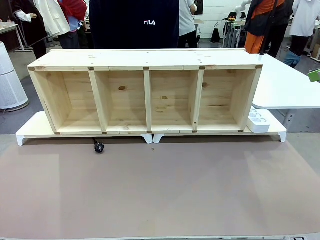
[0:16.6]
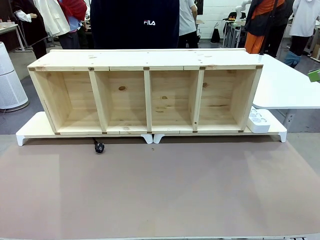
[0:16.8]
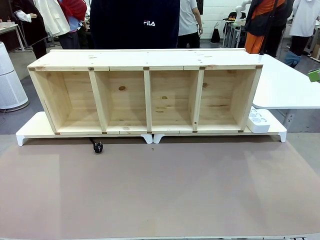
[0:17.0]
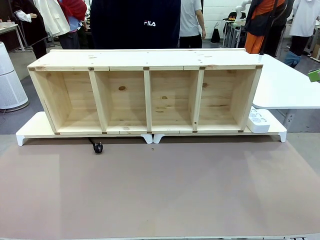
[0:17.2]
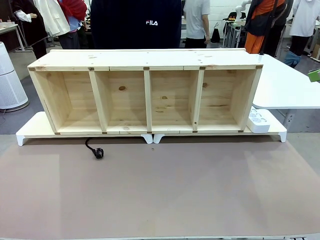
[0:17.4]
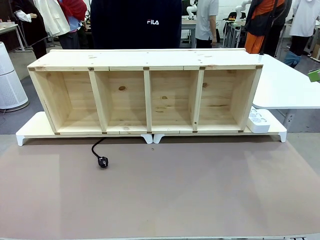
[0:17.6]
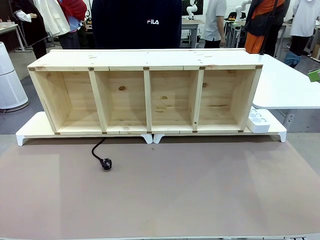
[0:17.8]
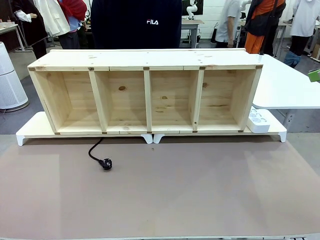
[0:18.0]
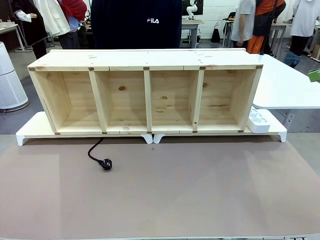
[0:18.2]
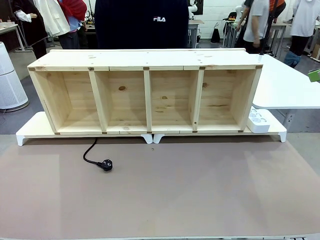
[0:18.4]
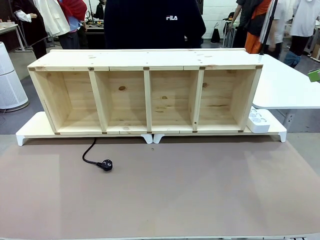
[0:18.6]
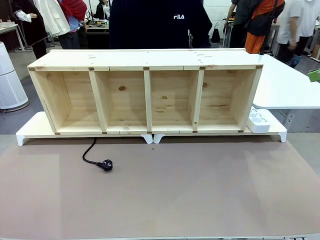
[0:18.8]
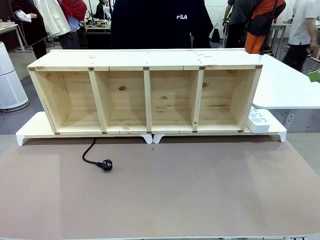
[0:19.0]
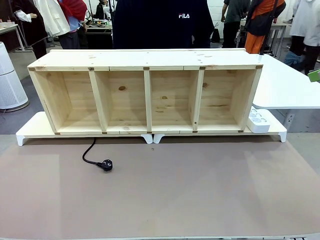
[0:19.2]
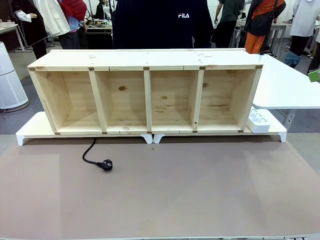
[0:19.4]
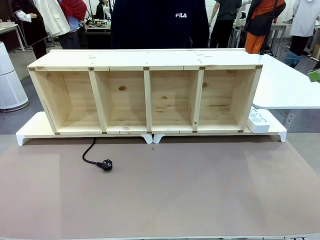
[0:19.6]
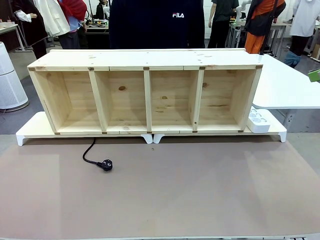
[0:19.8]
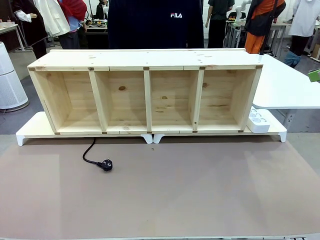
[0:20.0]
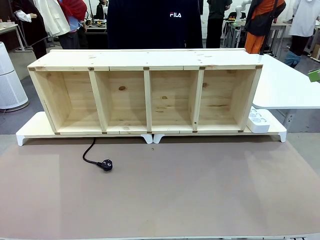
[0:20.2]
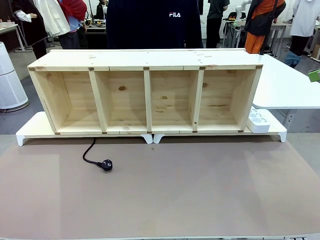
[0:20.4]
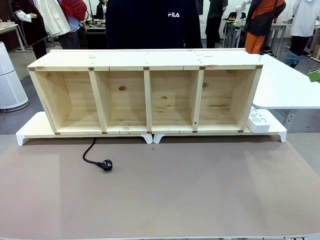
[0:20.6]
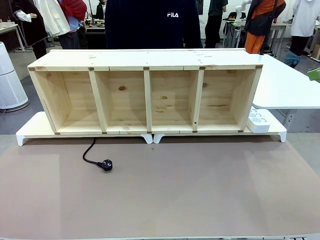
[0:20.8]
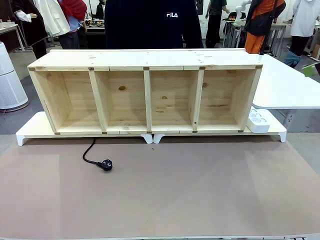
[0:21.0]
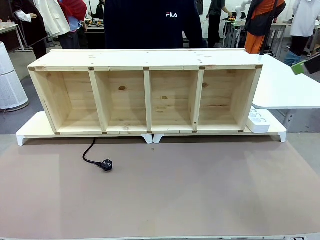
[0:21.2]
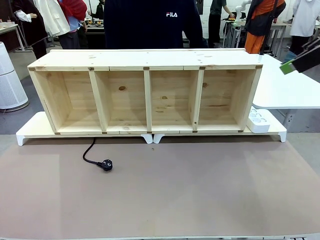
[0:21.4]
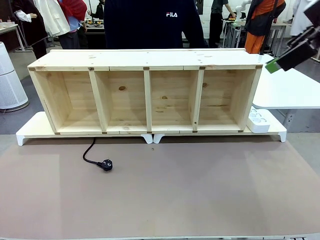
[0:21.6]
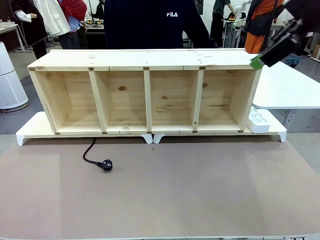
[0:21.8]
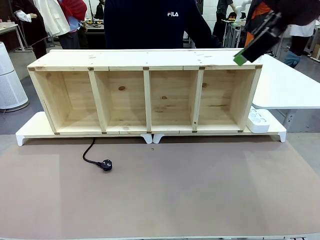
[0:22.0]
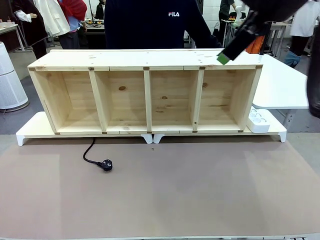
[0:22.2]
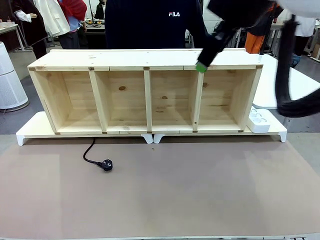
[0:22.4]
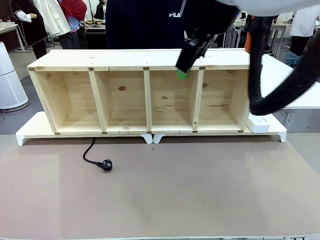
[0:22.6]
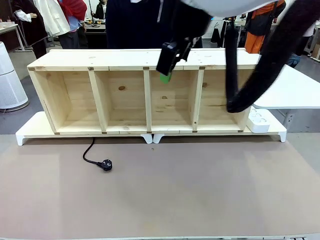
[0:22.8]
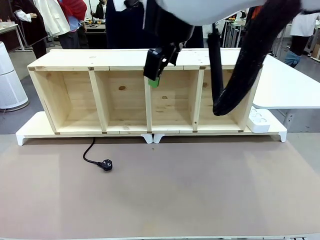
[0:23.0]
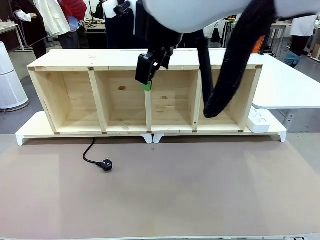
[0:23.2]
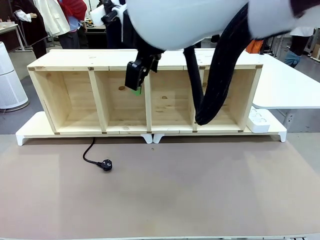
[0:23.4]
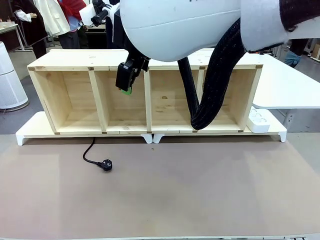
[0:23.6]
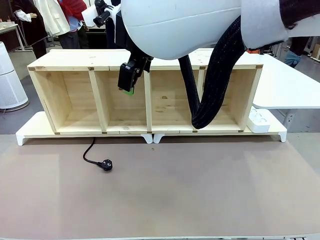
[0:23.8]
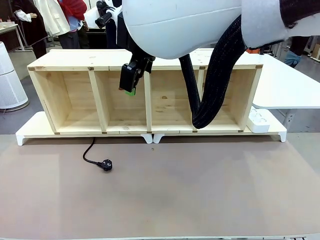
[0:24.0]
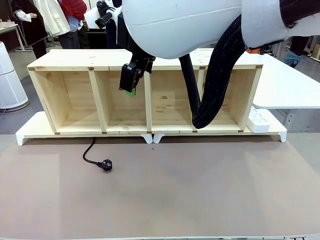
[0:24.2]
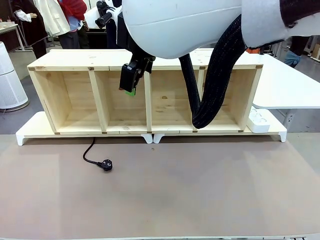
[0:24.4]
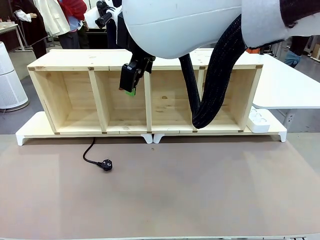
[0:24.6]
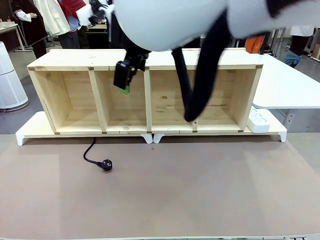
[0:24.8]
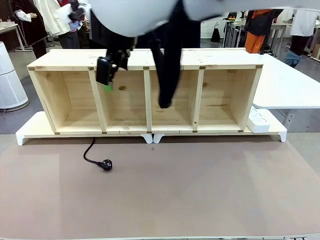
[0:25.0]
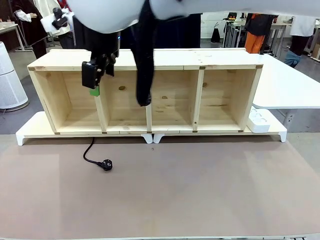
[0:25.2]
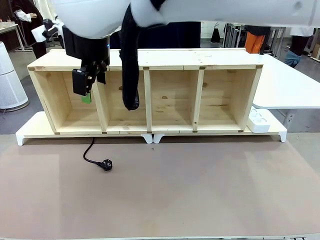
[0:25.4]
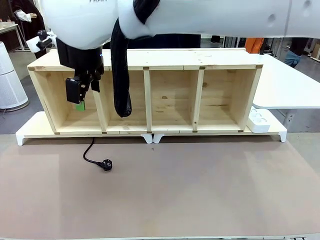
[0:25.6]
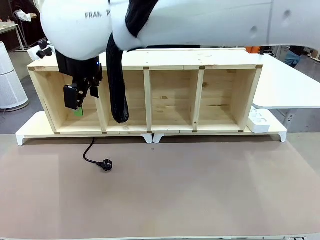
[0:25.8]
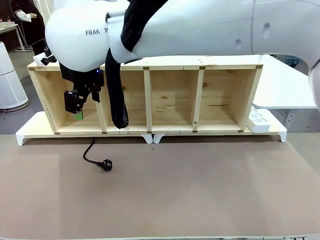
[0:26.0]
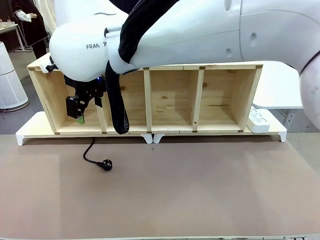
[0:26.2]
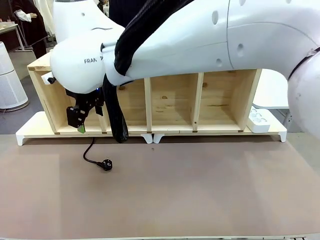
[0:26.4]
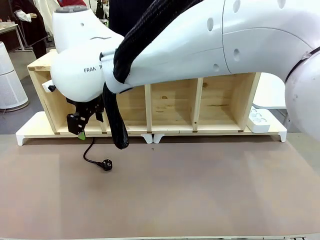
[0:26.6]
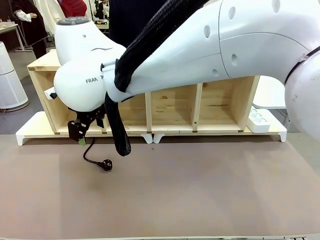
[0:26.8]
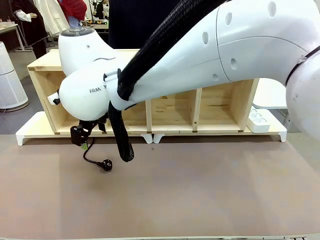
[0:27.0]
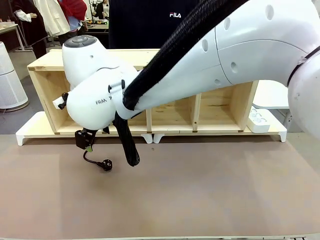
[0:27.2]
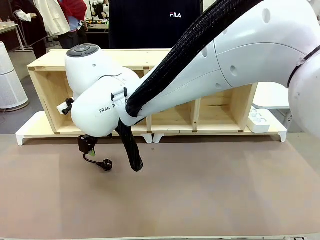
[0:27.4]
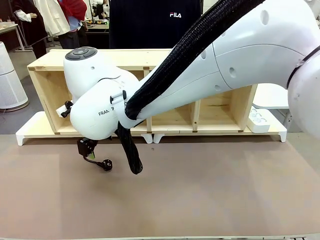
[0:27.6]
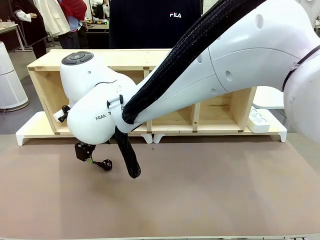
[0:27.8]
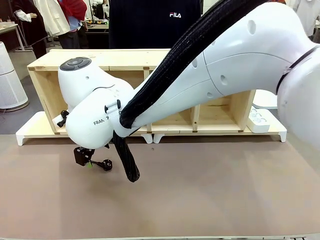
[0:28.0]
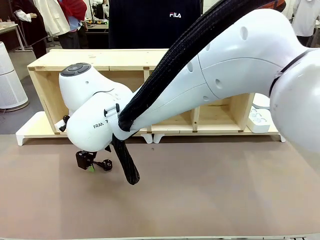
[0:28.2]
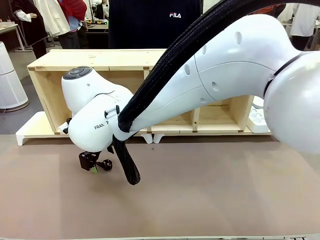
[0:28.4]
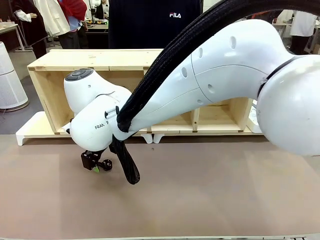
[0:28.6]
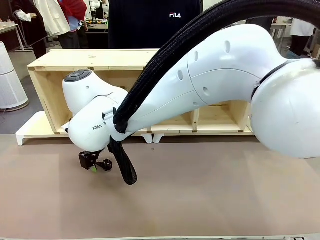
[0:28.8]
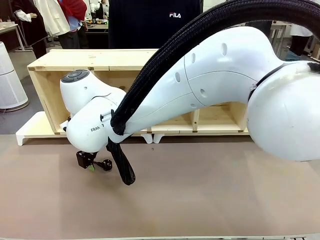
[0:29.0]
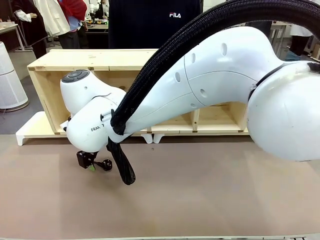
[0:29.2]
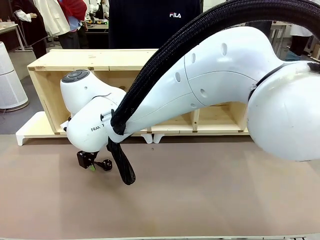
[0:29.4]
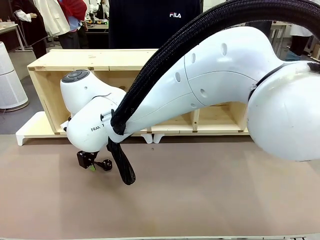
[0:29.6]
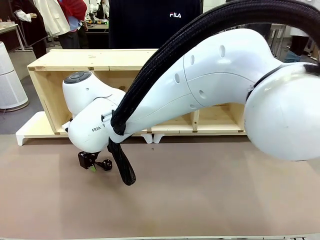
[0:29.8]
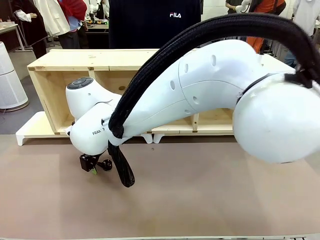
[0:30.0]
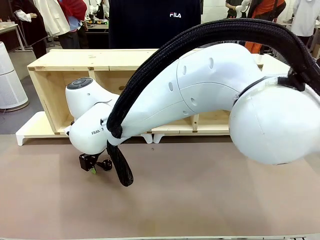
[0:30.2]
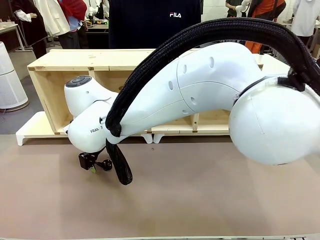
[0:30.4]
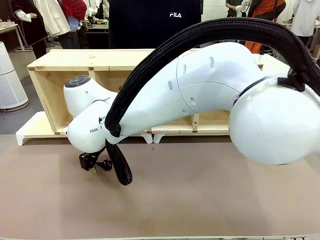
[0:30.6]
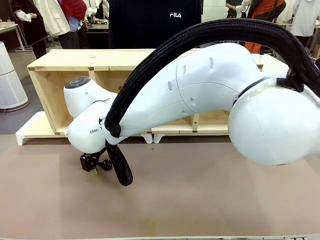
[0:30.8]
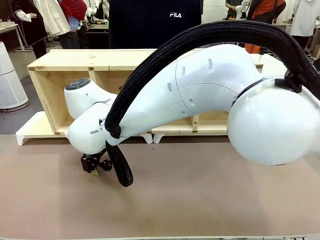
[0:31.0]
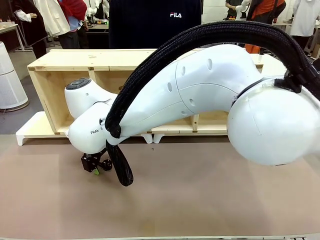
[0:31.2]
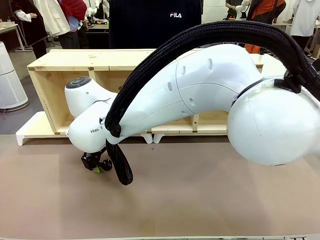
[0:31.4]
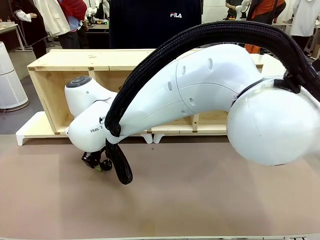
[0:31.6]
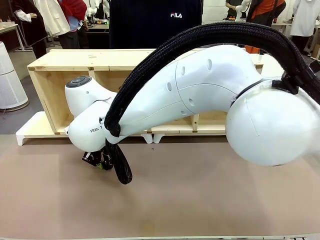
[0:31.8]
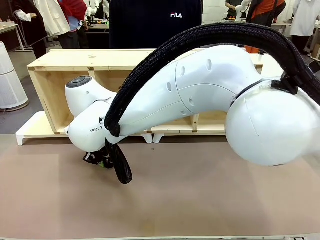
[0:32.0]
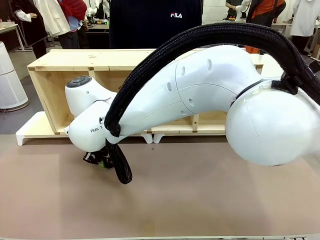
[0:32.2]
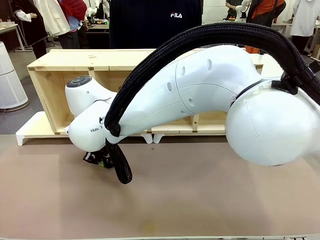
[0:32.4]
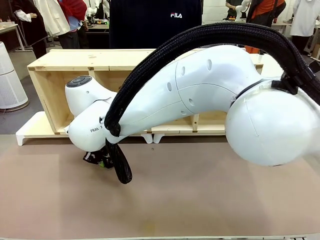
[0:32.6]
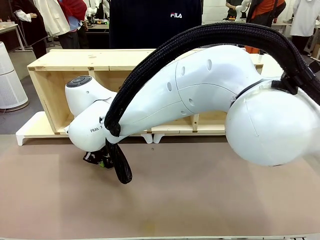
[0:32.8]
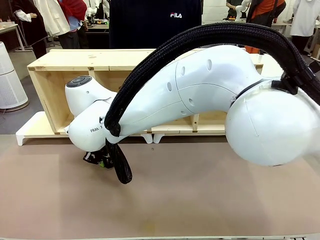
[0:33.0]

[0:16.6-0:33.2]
Task: Perform cable management.
Robot: When the cord part of the Power Cable appears at the lower middle area of the table and stops, grasp the cord part of the Power Cable.
